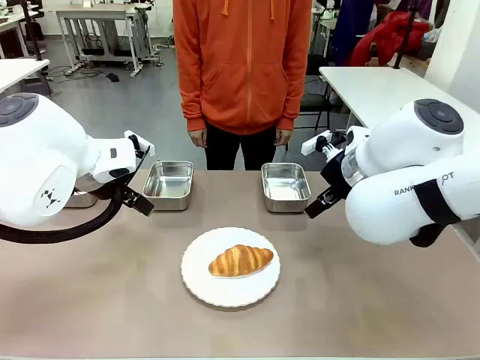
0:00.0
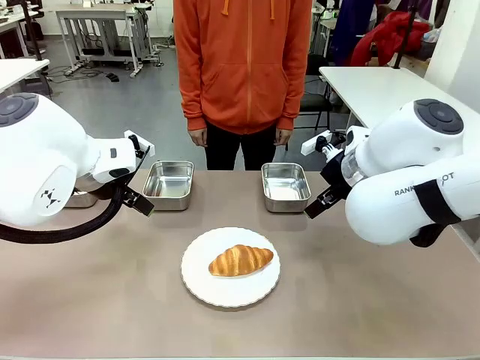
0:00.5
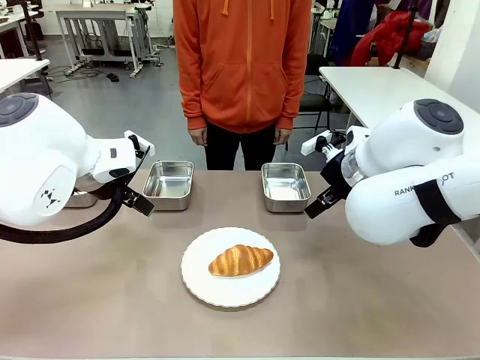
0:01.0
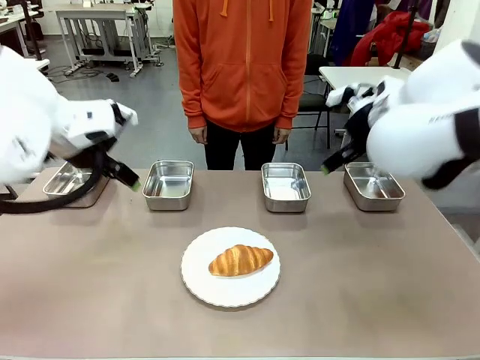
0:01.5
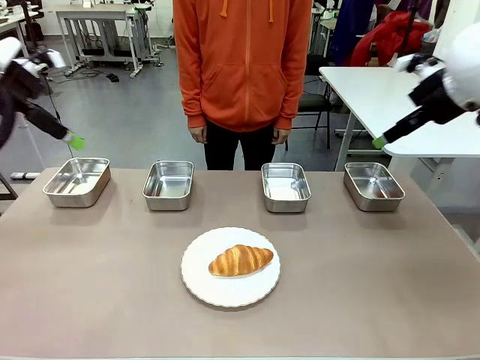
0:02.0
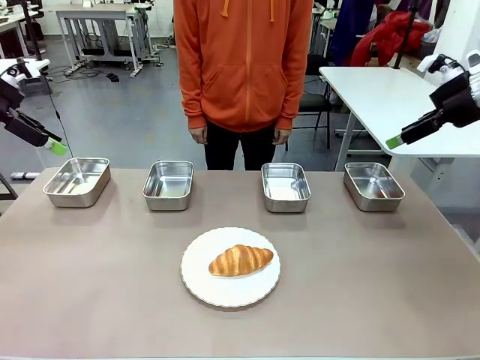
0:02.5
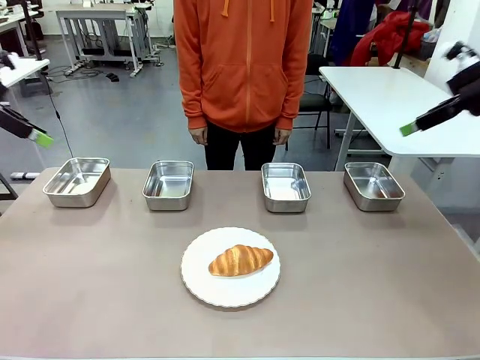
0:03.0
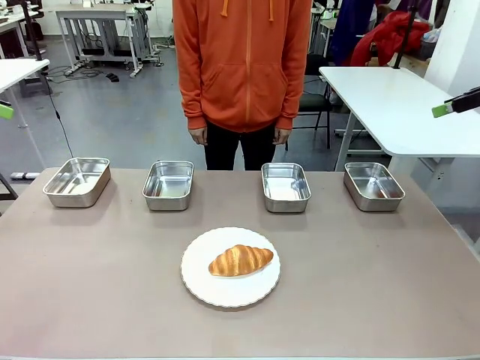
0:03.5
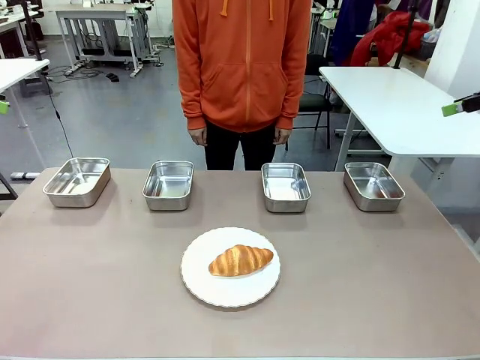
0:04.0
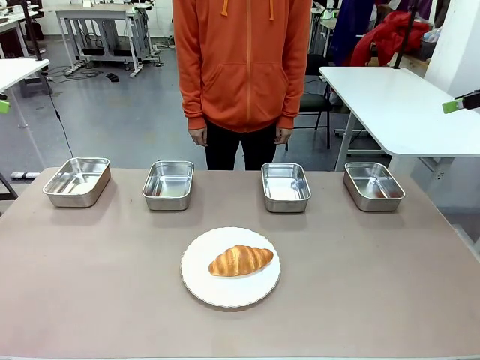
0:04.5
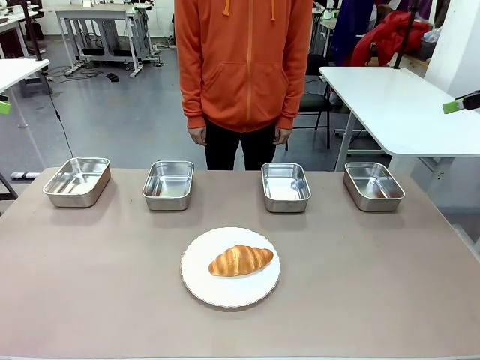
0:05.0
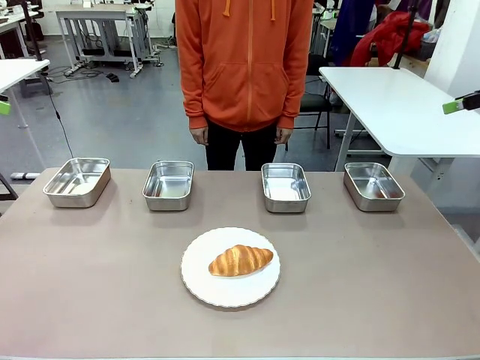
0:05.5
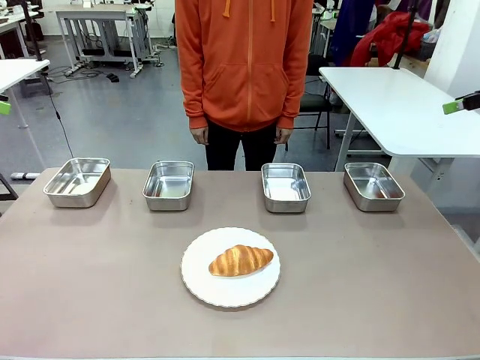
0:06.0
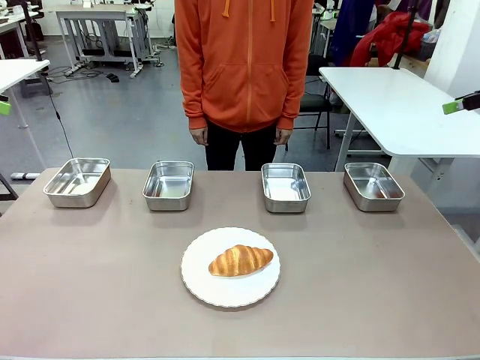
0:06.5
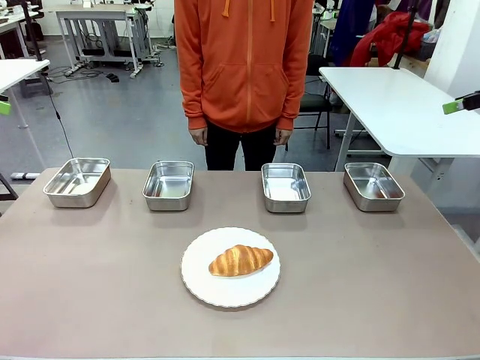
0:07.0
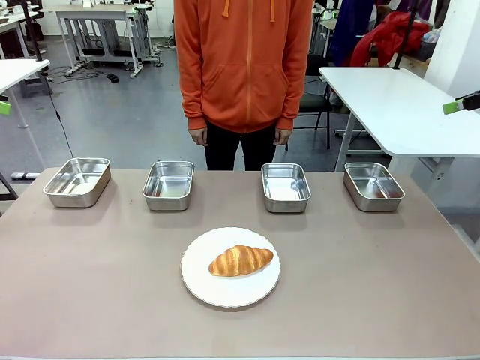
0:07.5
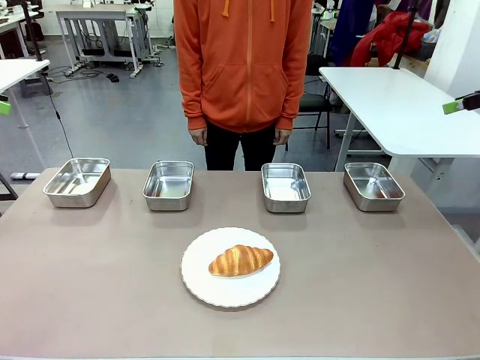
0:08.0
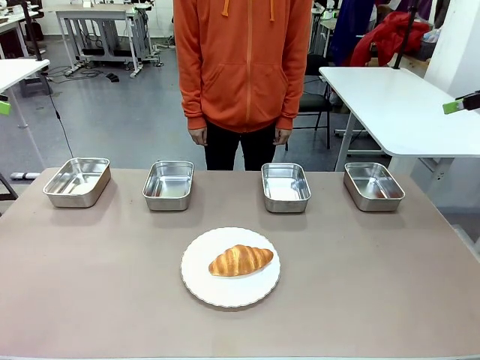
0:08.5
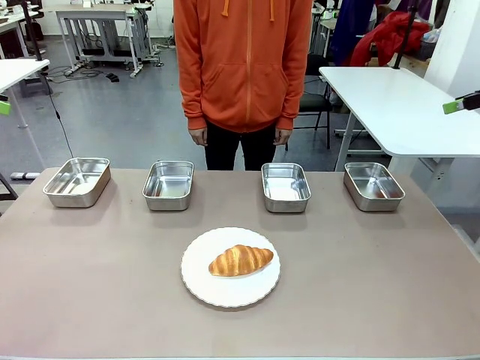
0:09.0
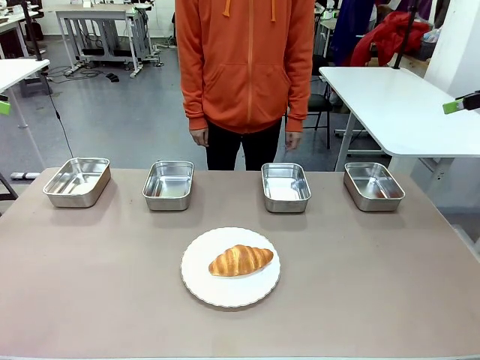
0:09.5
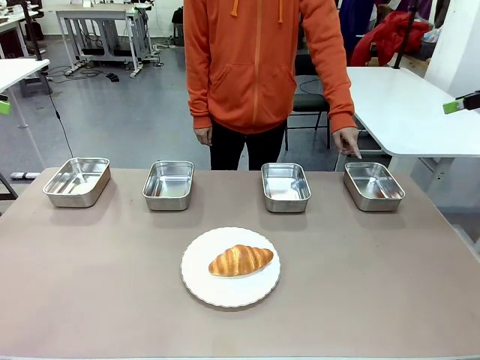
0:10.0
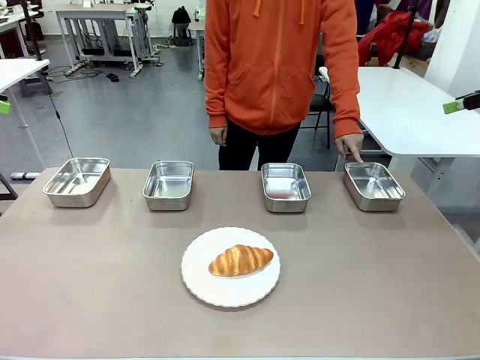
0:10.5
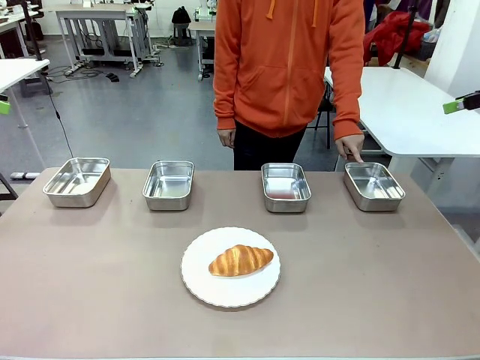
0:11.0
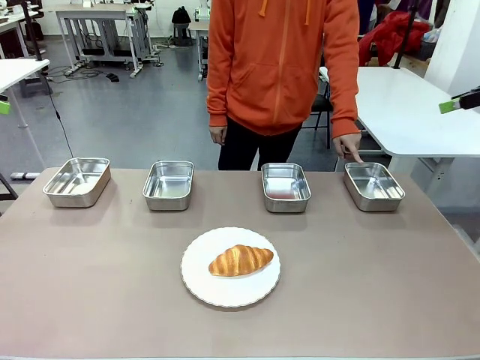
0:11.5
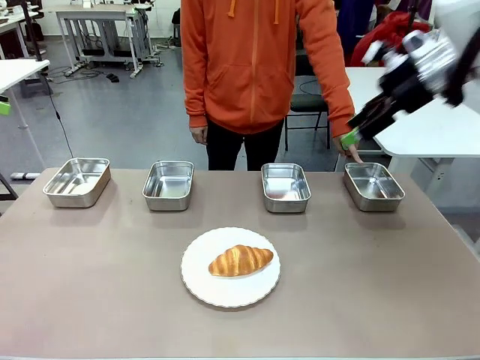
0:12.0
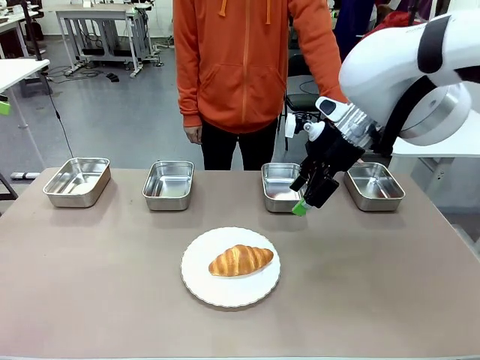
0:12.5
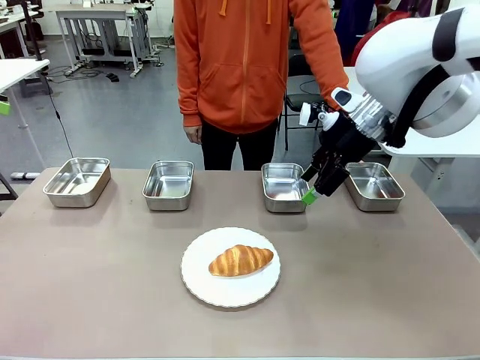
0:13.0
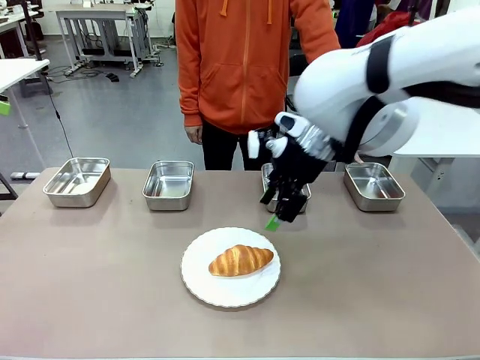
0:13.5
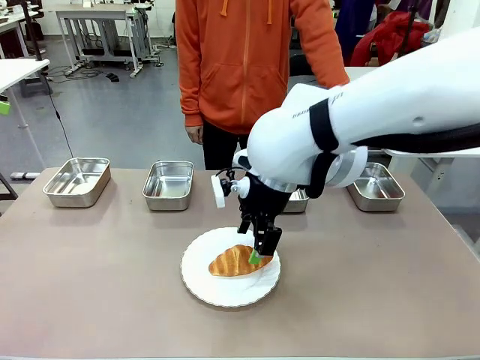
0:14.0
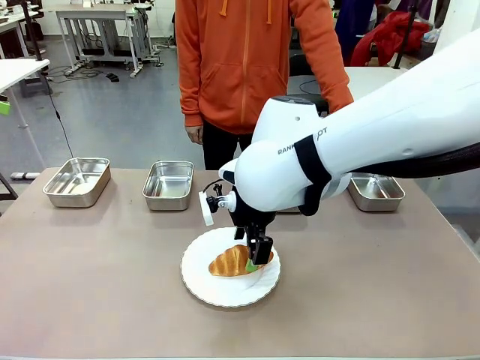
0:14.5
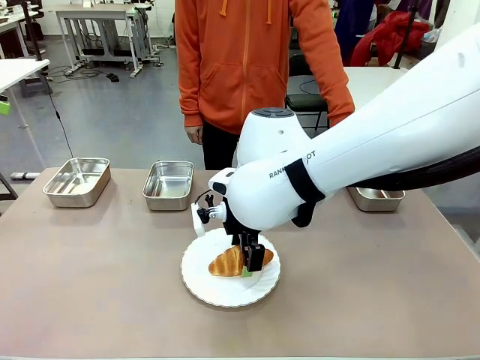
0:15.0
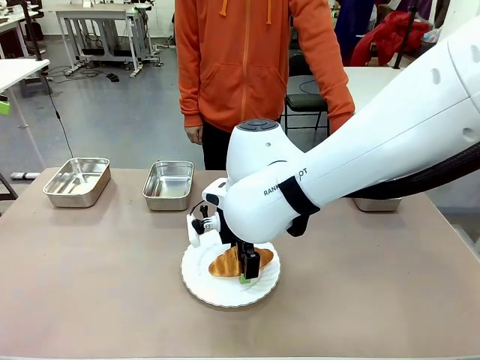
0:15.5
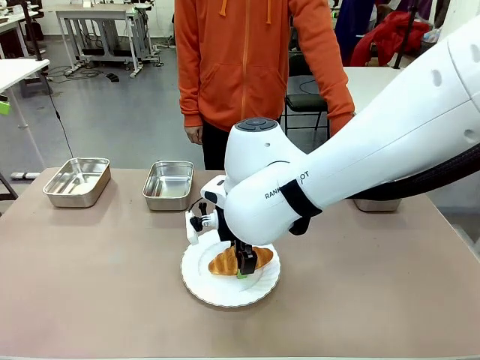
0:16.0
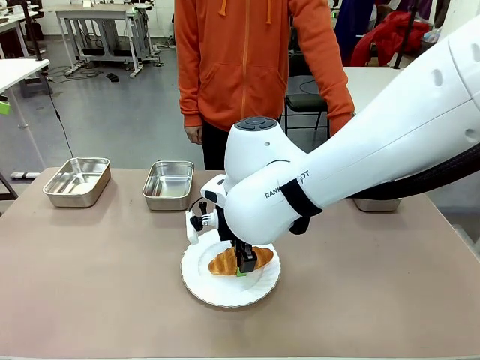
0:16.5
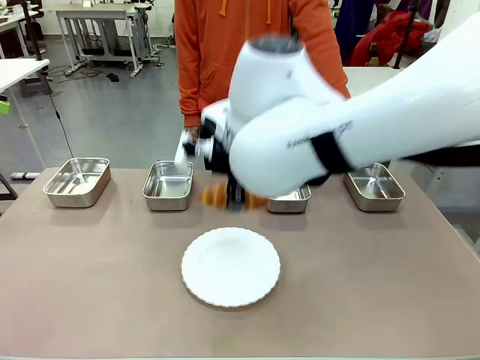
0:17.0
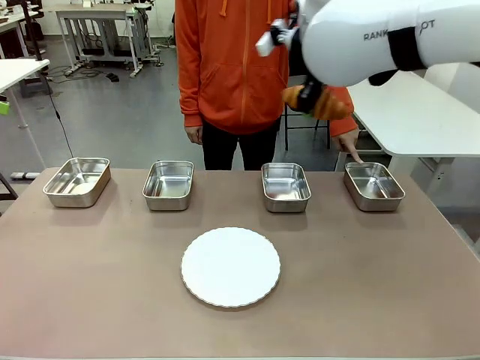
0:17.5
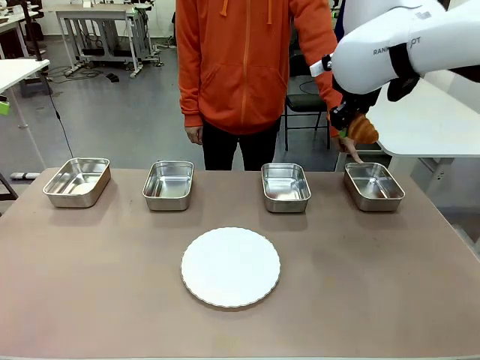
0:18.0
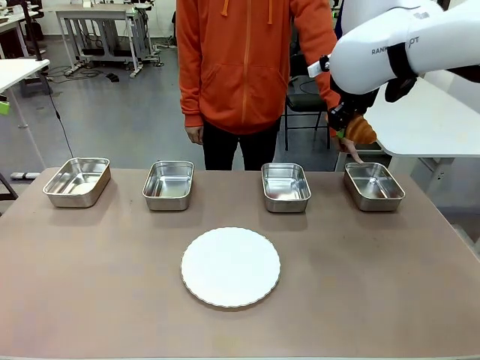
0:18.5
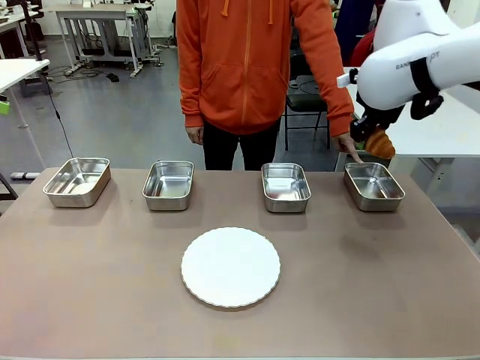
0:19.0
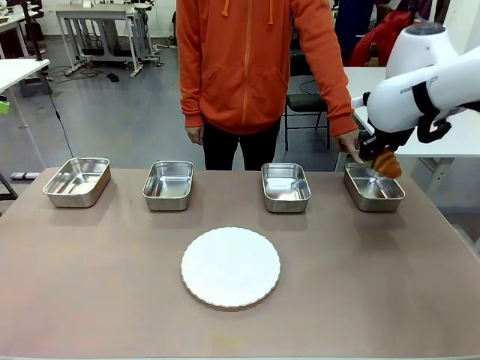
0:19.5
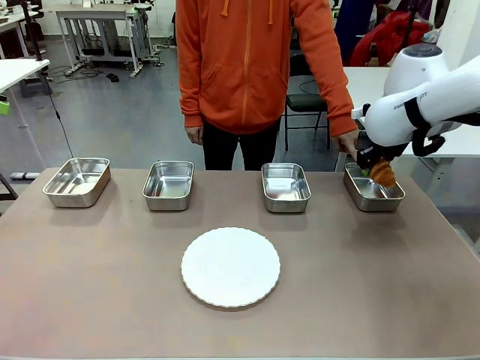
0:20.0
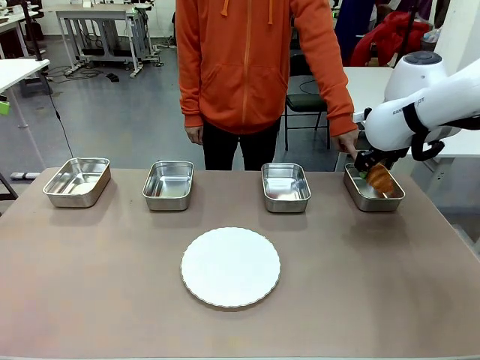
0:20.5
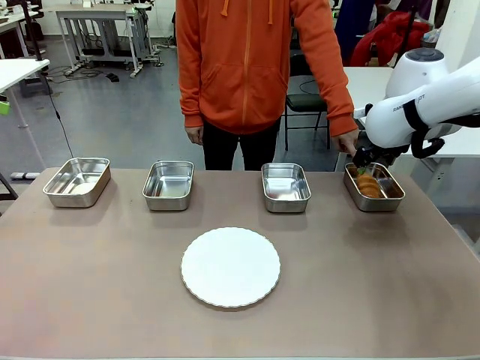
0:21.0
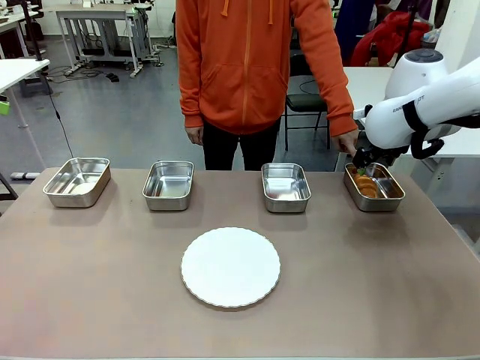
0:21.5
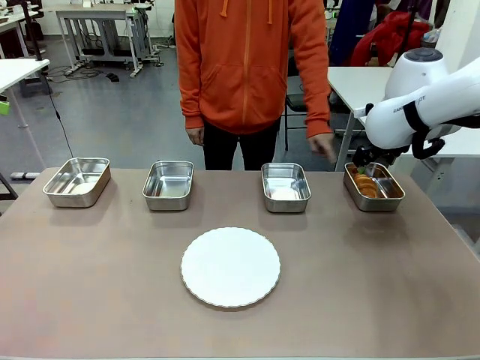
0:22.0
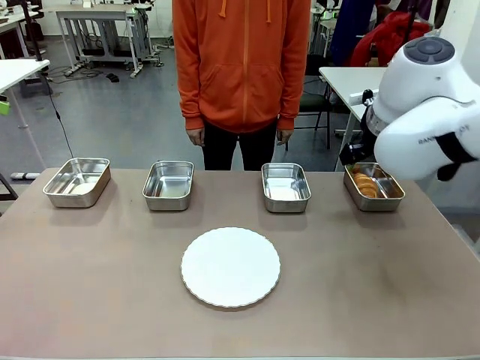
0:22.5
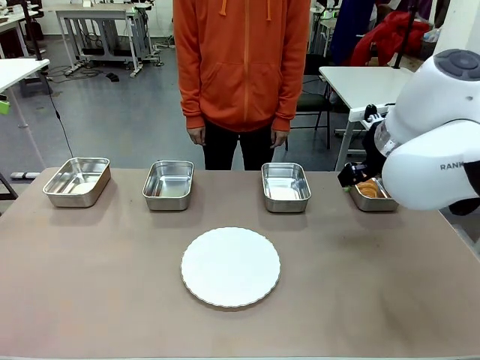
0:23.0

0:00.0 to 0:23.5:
Task: Place the bread in the container.
Robot: Place the Butter Roll into the Airtight Container indicated by the human.
Person: A person randomly selects and points to an Airtight Container.
